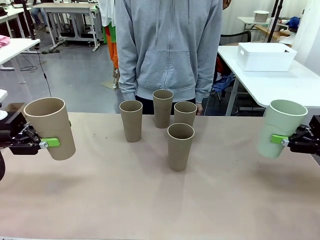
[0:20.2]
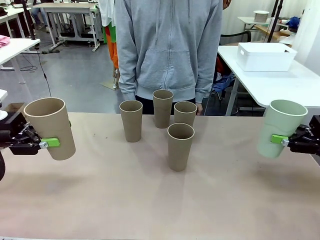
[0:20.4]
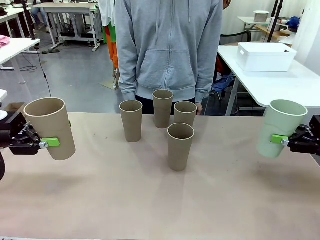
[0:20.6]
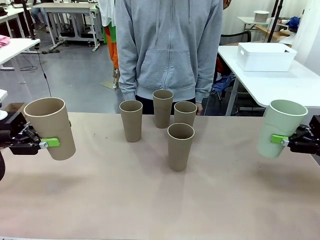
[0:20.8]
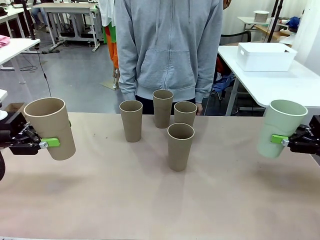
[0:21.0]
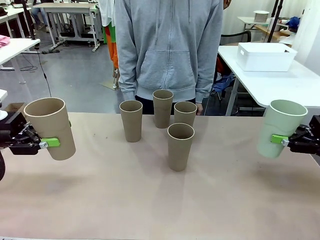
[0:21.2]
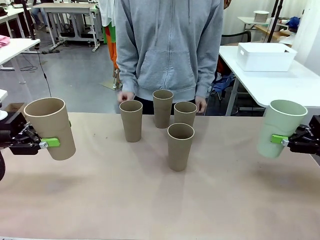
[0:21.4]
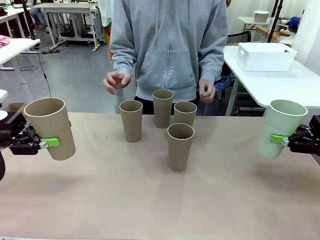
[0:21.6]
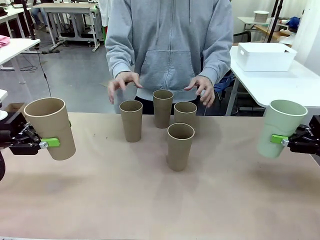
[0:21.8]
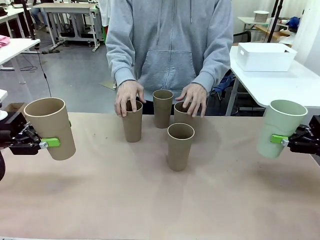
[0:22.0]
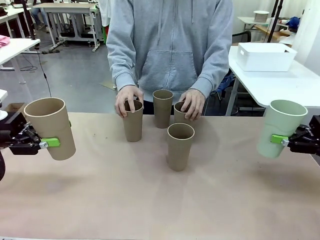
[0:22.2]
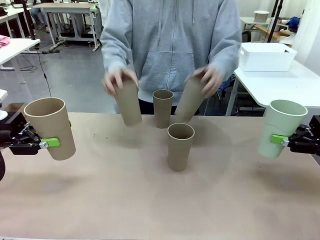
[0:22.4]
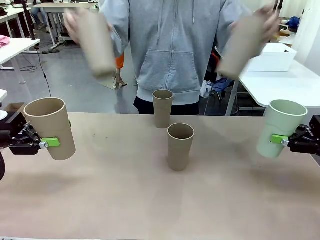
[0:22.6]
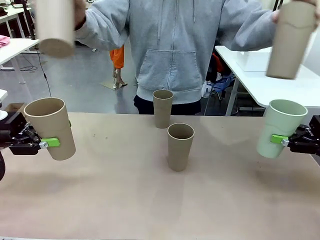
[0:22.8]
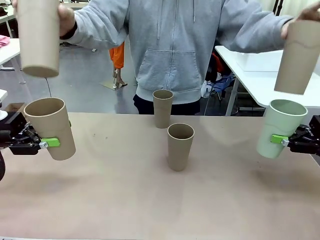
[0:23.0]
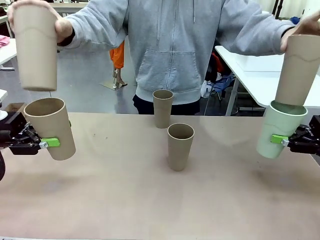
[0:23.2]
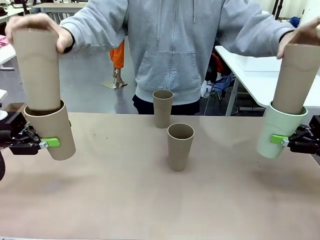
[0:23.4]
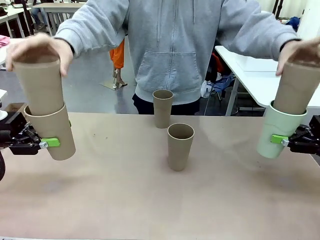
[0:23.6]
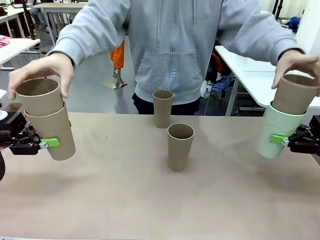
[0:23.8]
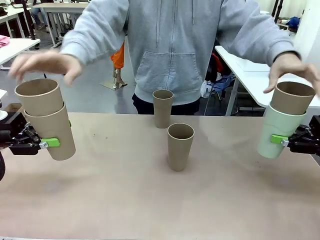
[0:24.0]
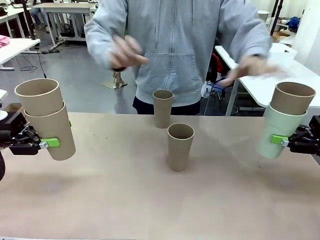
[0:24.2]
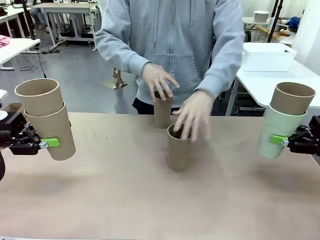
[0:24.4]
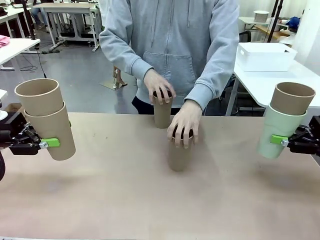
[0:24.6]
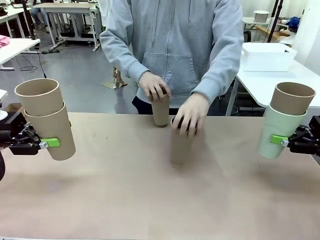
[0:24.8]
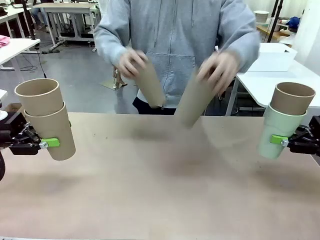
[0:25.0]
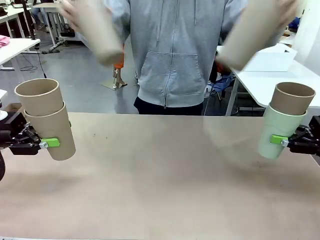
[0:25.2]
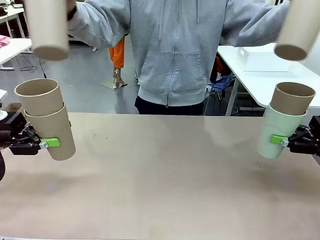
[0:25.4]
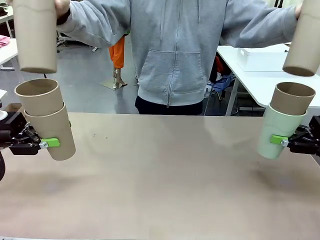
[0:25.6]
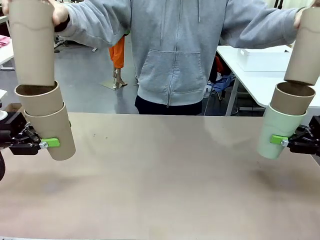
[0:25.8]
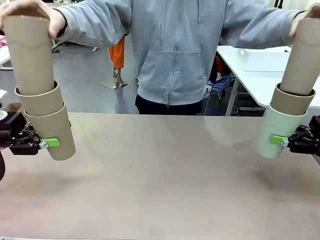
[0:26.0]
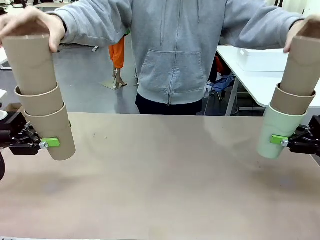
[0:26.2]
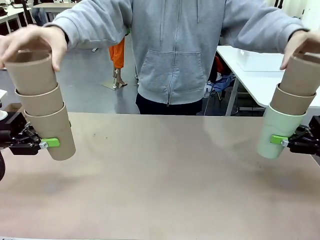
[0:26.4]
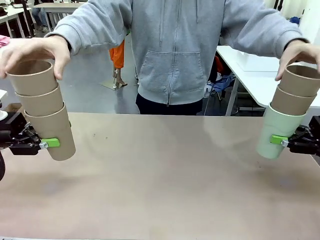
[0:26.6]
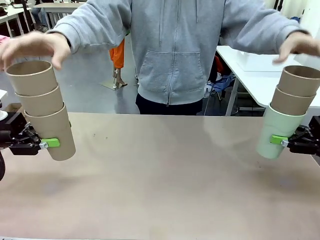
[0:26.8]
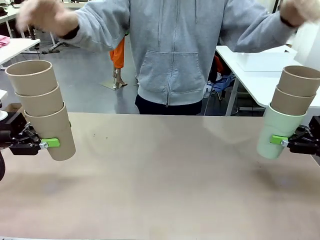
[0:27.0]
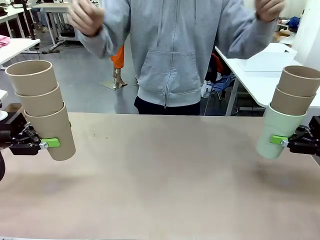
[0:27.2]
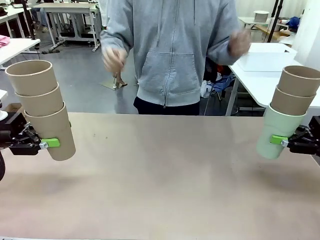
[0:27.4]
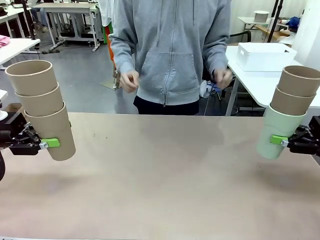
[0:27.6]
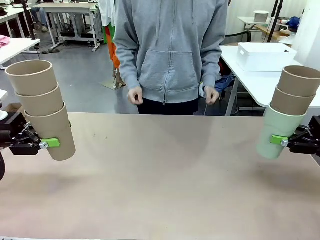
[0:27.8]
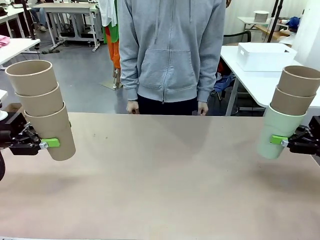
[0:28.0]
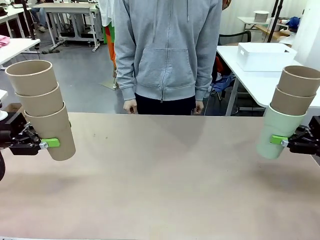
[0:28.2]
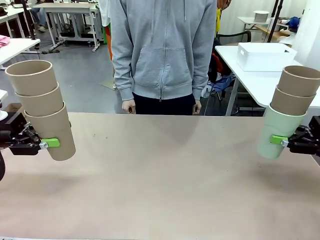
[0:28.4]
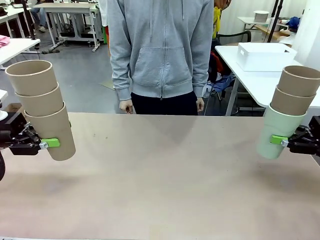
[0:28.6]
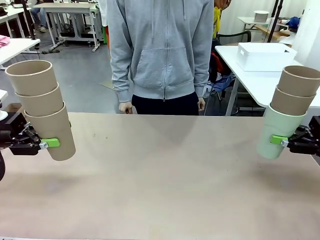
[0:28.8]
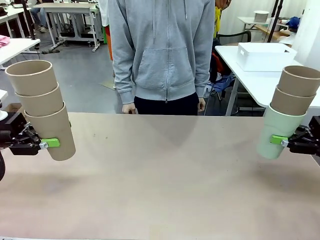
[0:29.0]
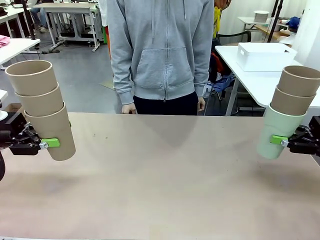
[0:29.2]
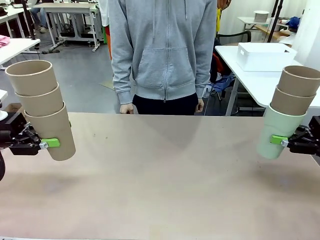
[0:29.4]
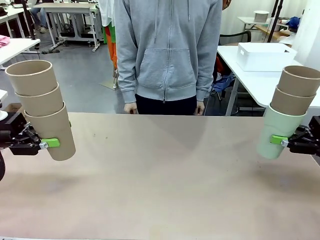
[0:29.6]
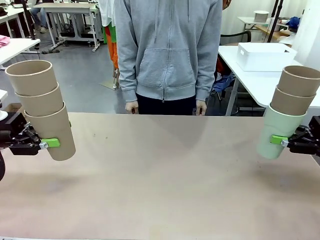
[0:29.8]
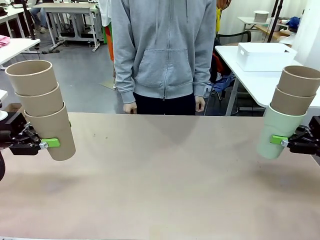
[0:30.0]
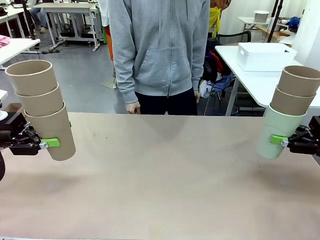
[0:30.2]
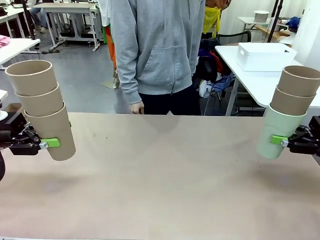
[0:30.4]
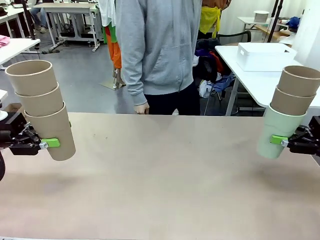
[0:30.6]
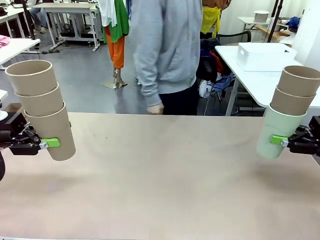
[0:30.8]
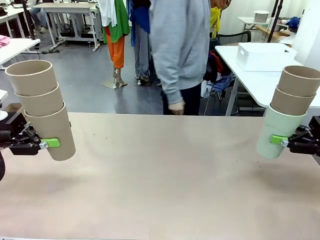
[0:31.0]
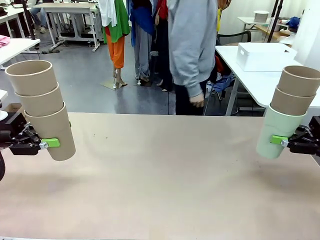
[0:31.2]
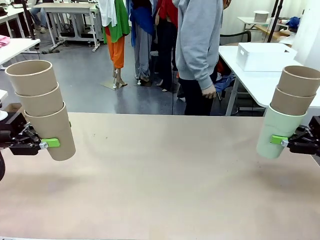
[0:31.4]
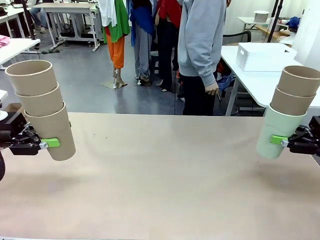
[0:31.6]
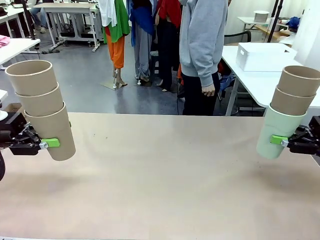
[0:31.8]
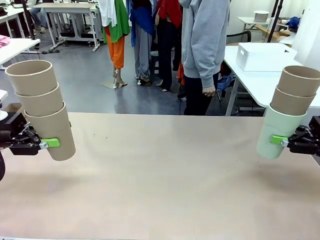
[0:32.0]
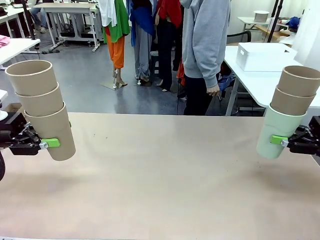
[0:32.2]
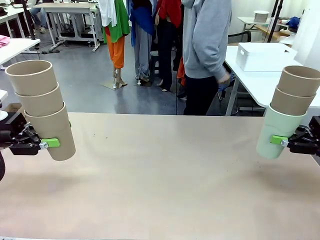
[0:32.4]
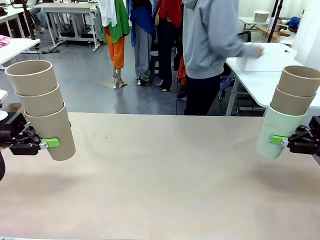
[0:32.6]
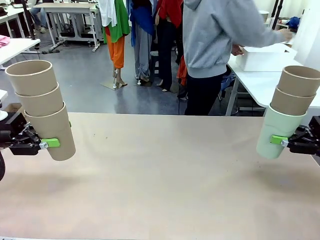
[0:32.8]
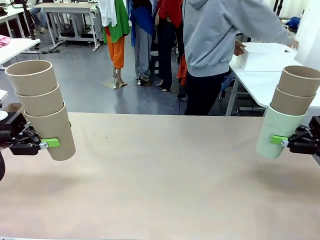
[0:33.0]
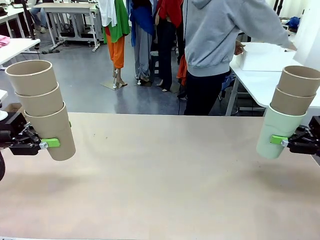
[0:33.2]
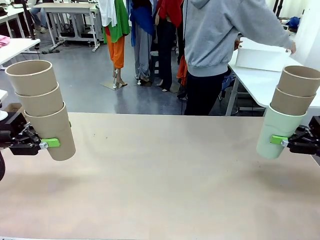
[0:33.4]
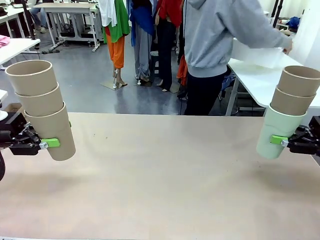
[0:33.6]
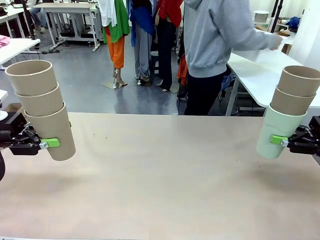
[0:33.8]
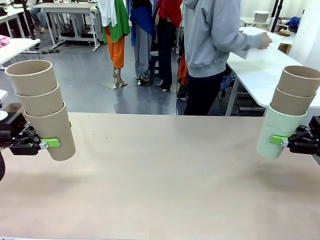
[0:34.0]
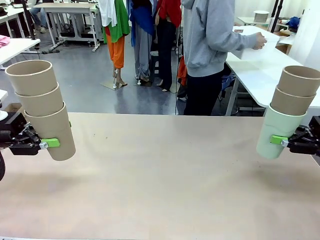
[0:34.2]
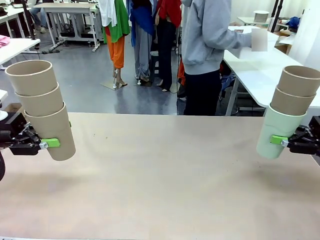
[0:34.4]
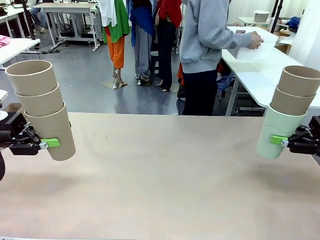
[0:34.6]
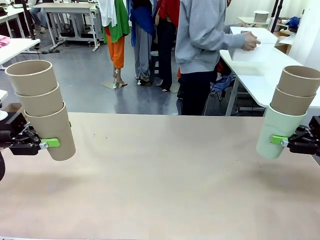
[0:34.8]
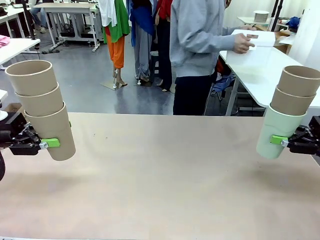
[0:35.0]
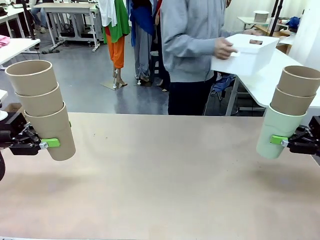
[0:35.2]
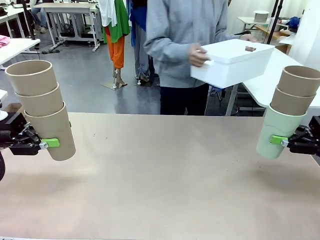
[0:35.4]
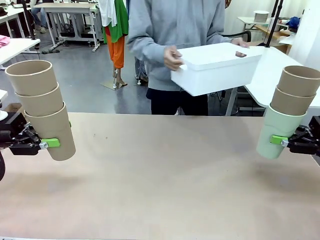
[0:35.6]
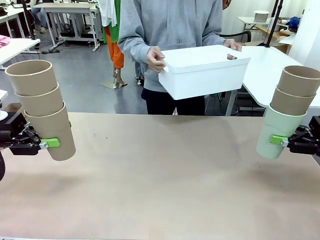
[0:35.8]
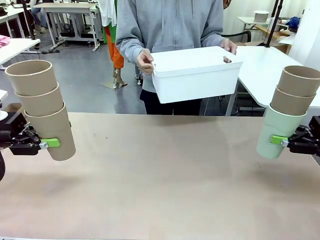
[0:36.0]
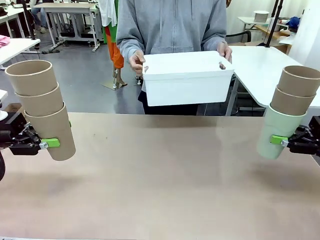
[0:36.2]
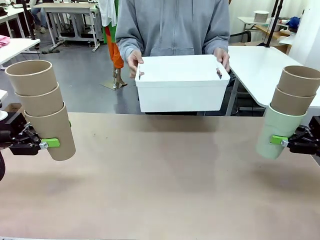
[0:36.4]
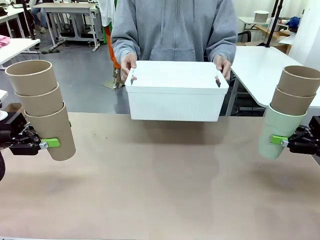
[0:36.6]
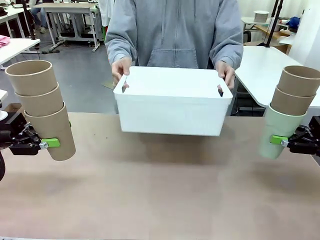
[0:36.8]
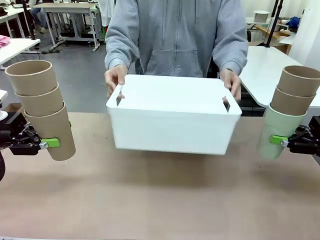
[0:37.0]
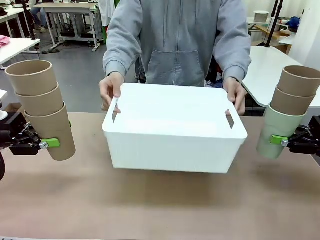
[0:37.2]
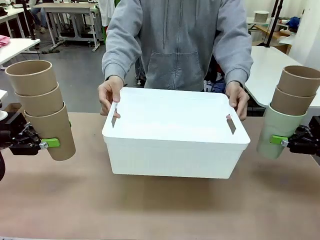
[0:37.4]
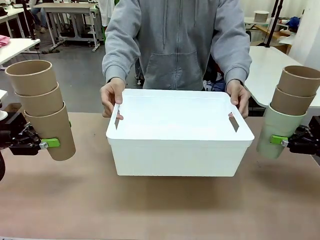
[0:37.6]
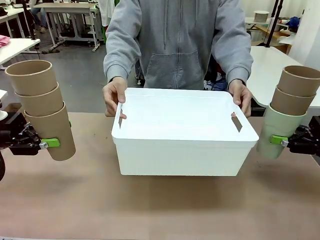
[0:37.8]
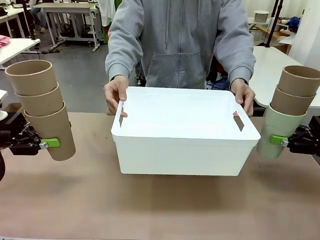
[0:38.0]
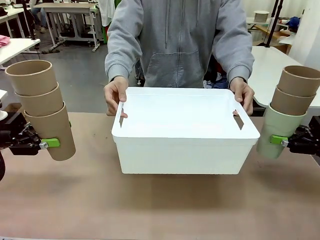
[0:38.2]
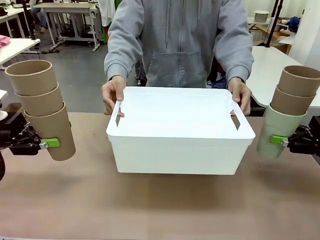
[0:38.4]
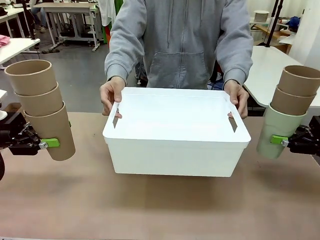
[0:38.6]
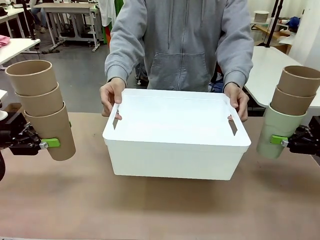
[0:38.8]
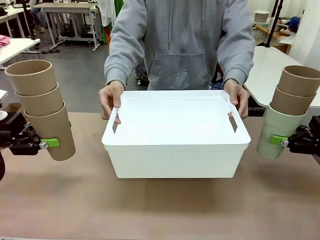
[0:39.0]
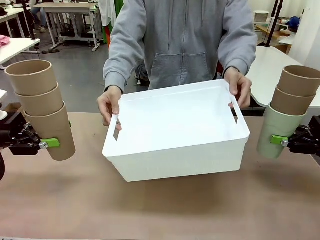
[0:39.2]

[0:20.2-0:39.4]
Task: Stack the cups and store them in the basket.
Robot: Place the stack of Reusable plastic cups into the Pantry Basket.
Person: Pick up the basket from the Human Table, bring it to the front of the robot, and present it.
